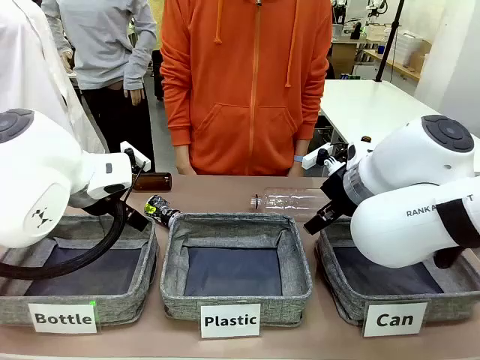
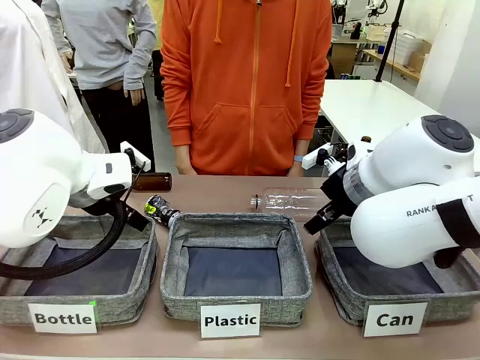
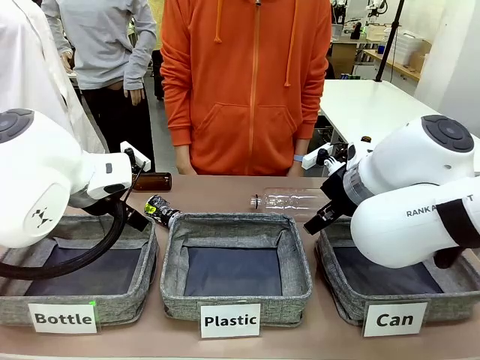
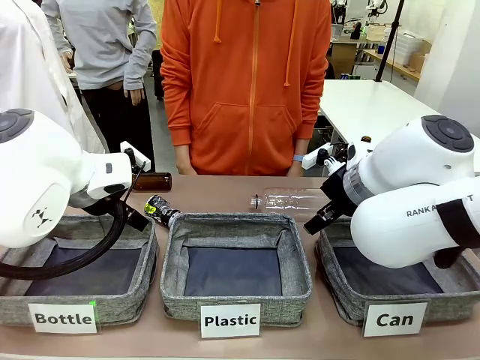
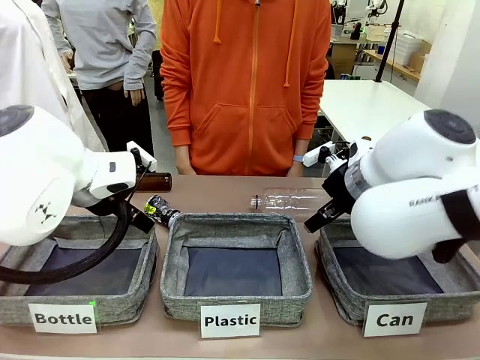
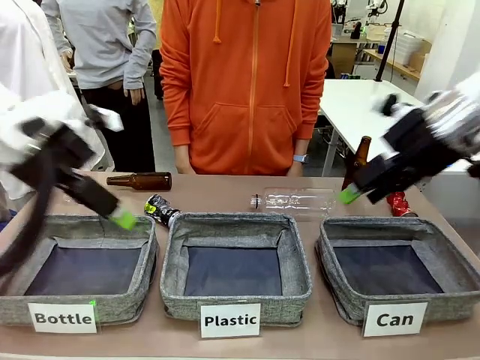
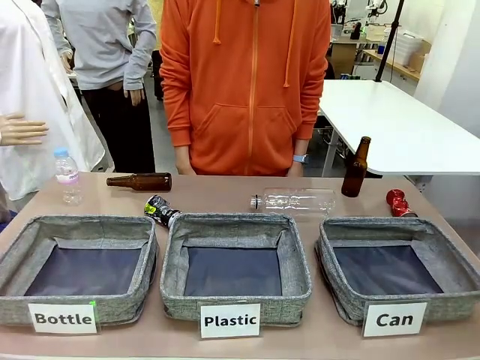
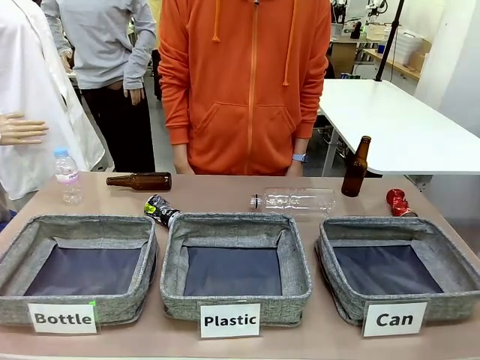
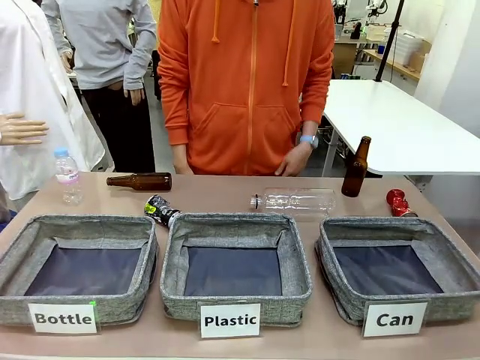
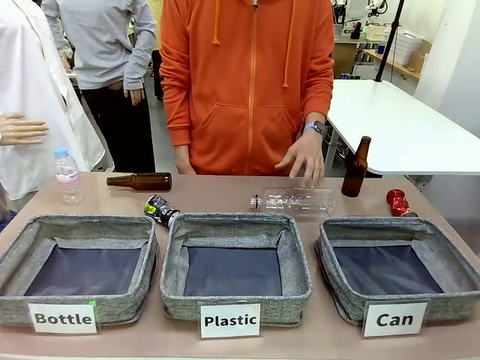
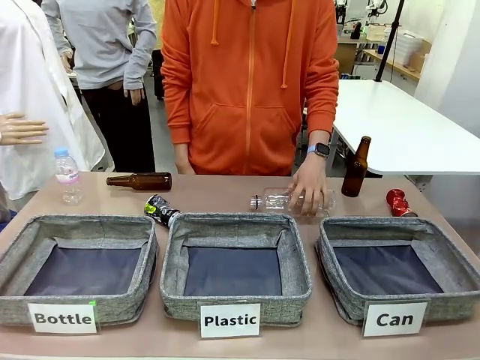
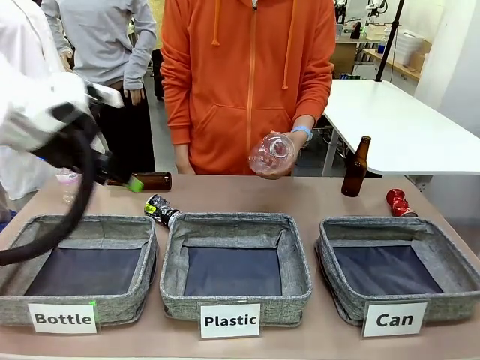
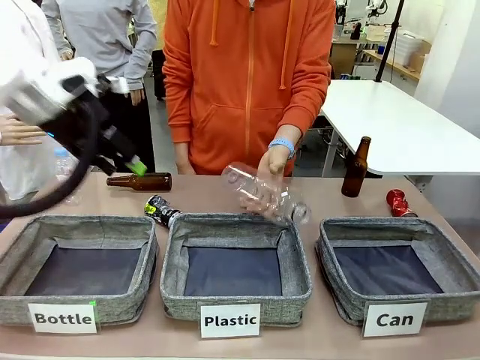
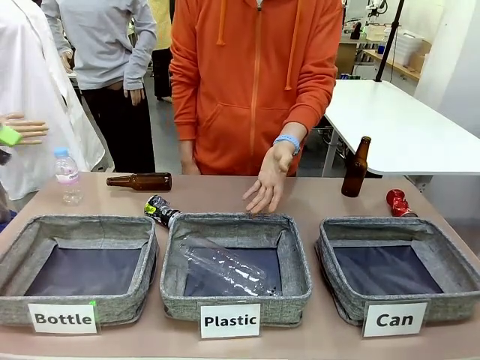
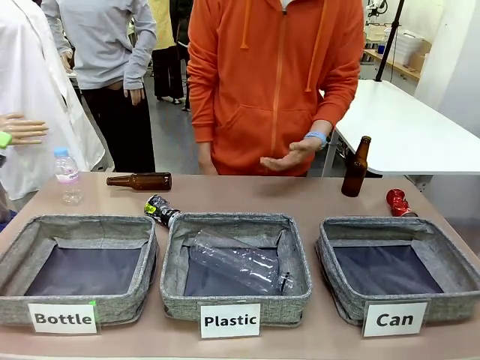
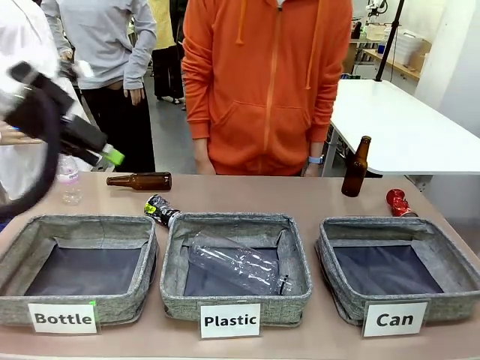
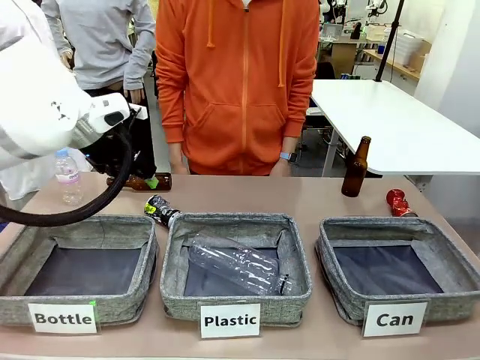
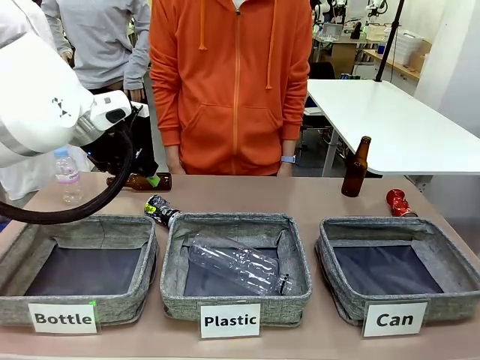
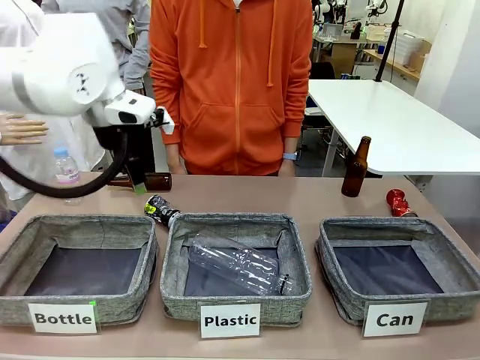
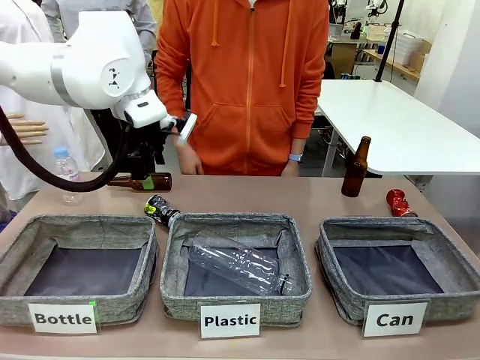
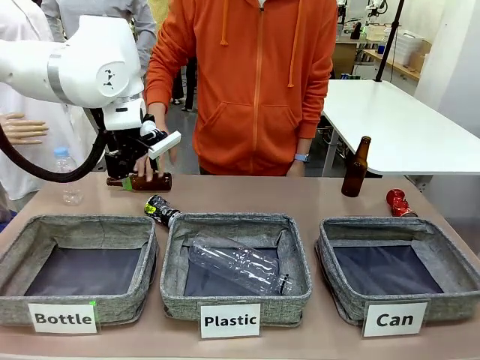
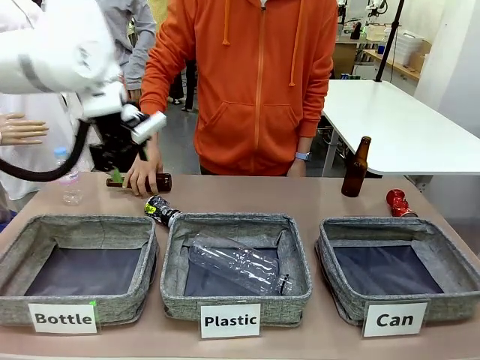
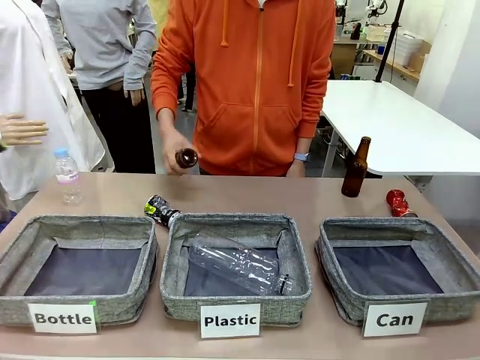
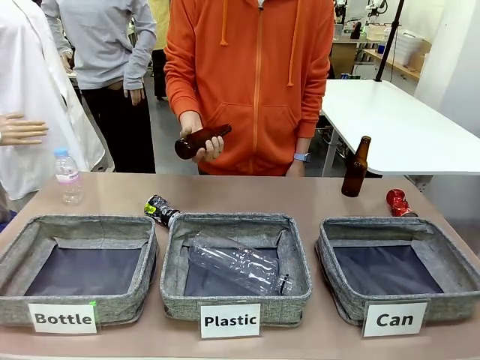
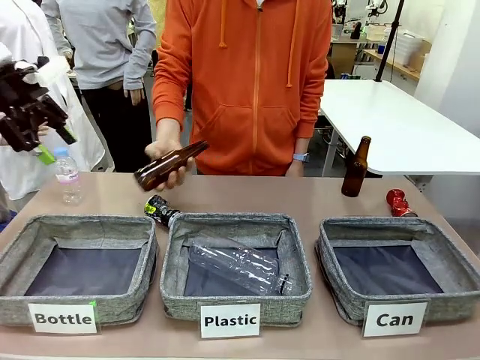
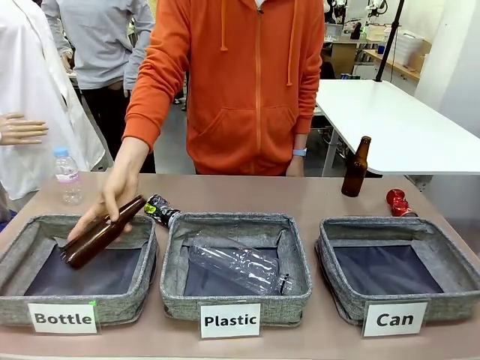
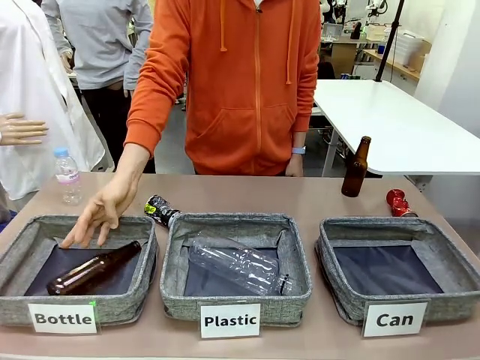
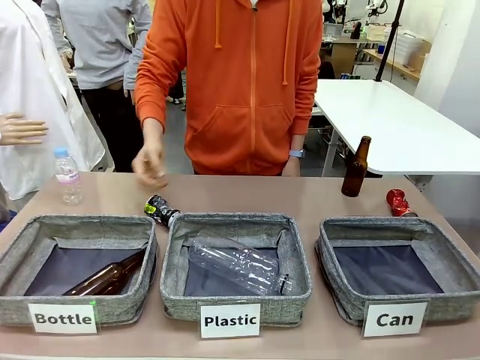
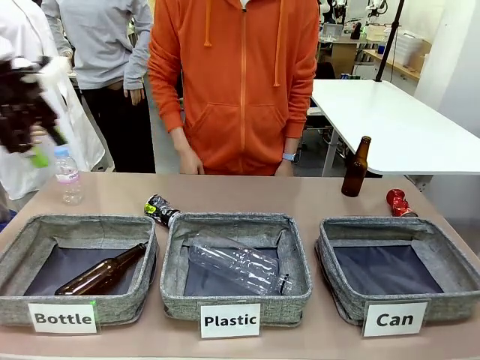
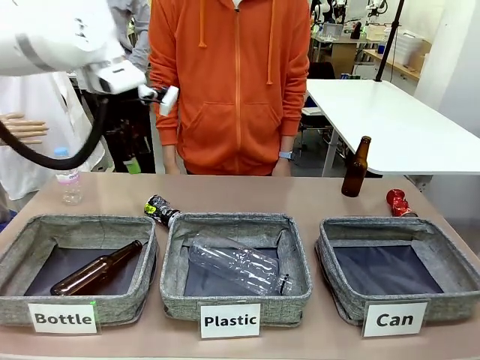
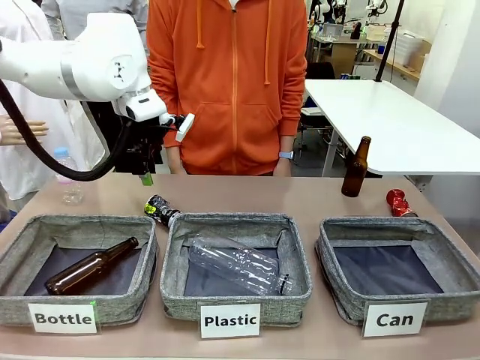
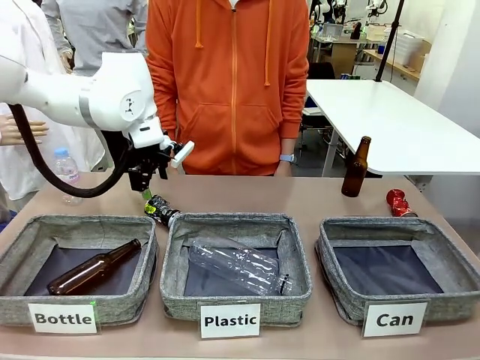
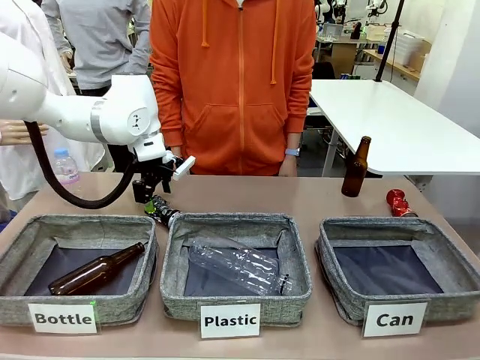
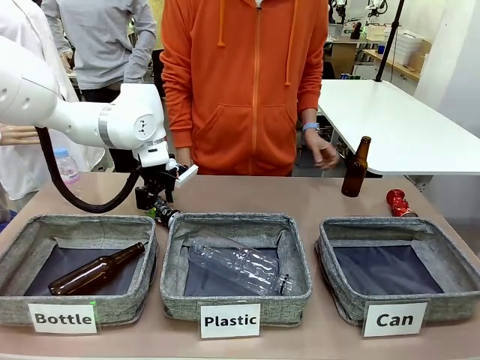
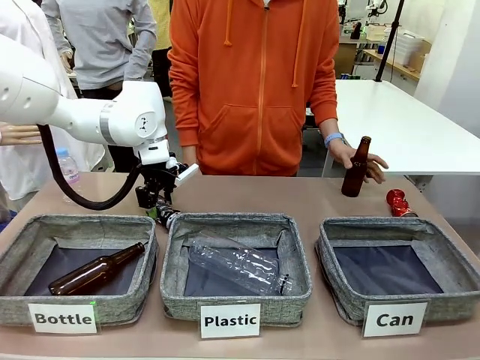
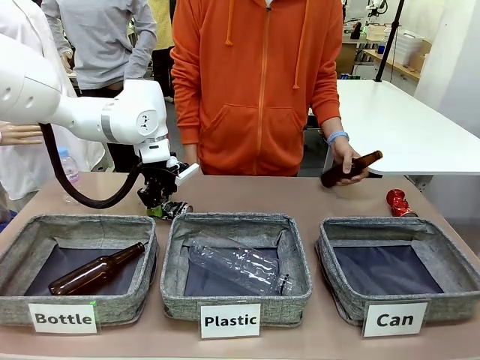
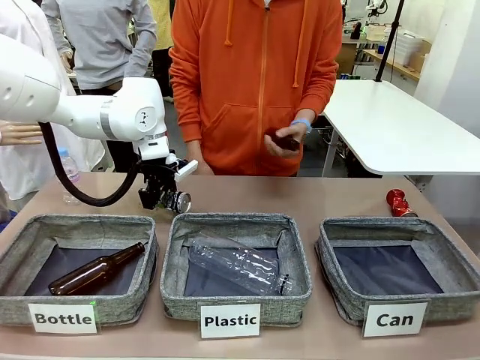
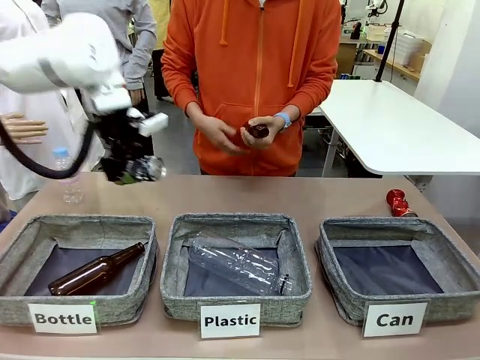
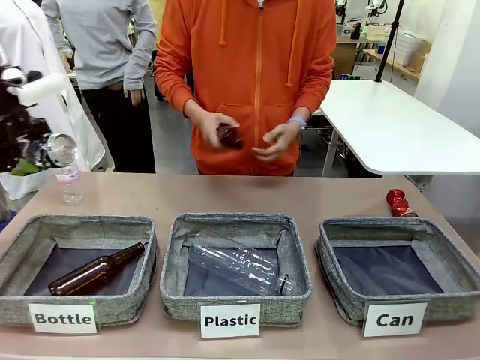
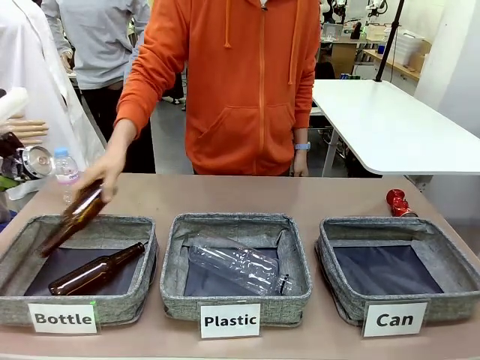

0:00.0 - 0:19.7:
Task: Sort the can waste into the basket.
Robot: Pick up the can waste from the table and place it in the right Fabric basket.

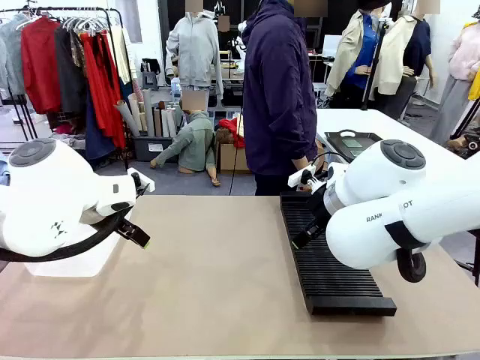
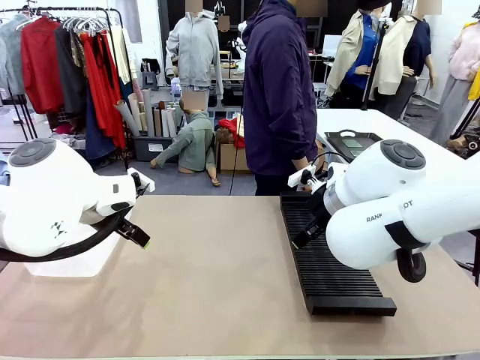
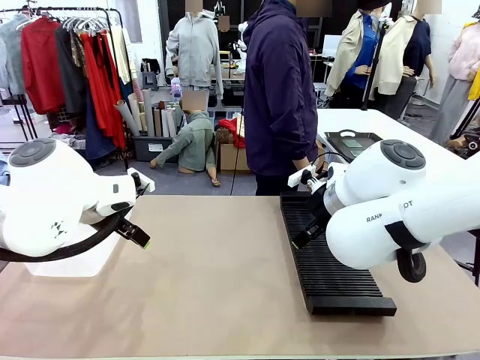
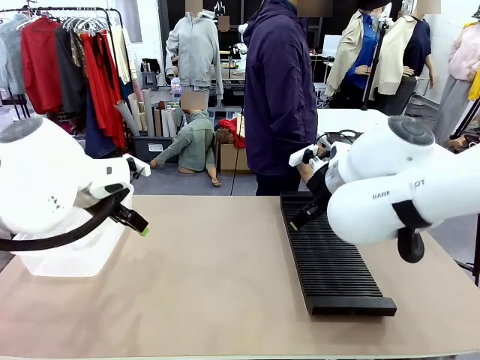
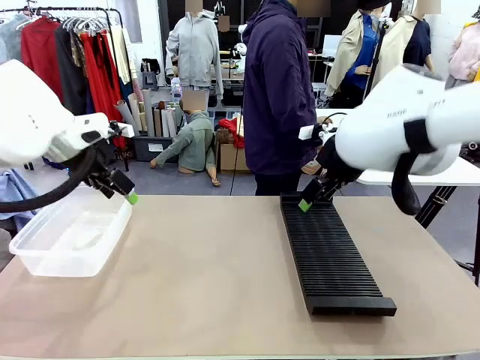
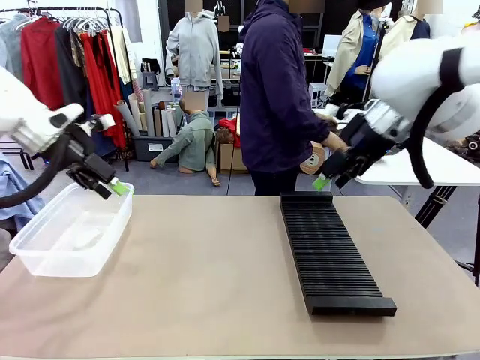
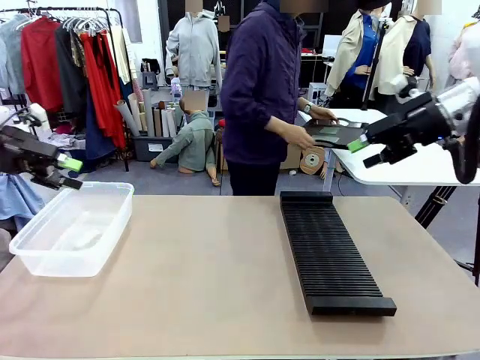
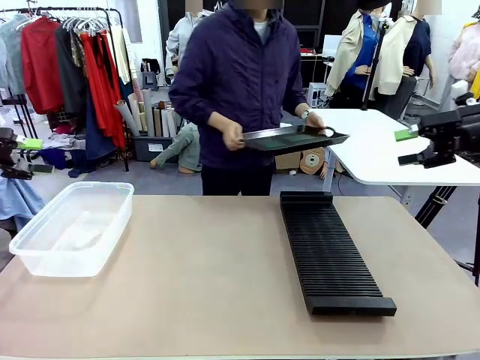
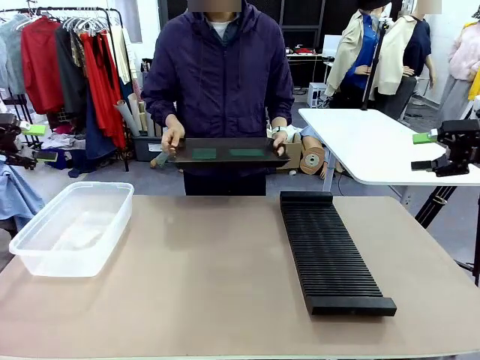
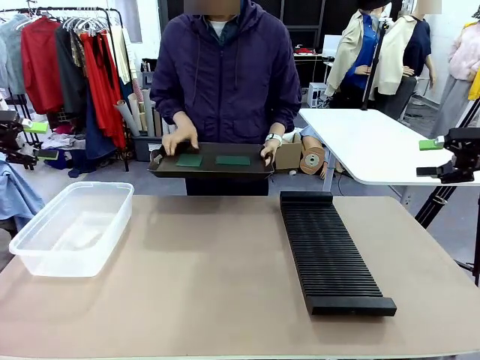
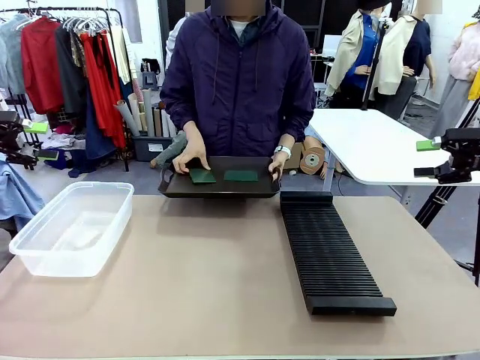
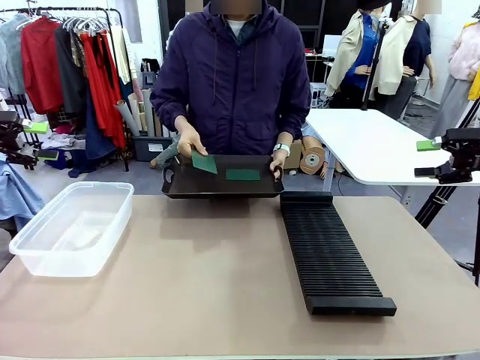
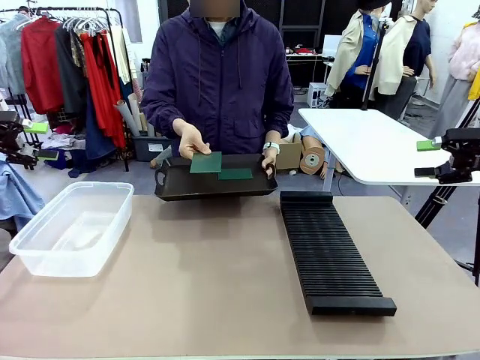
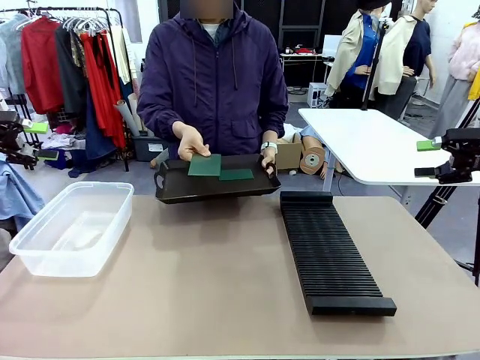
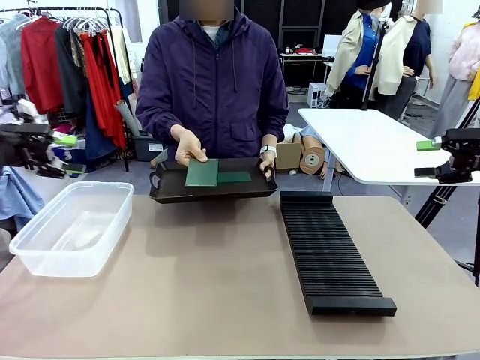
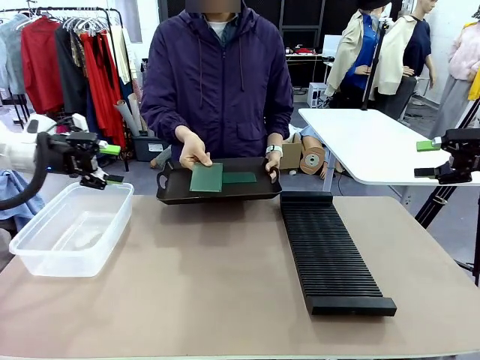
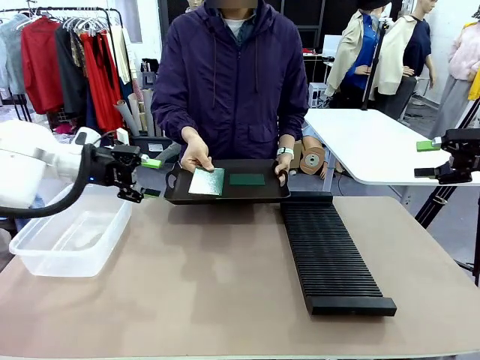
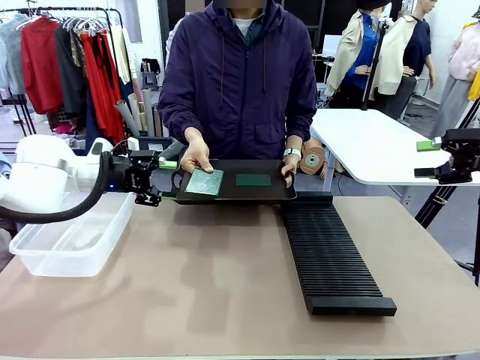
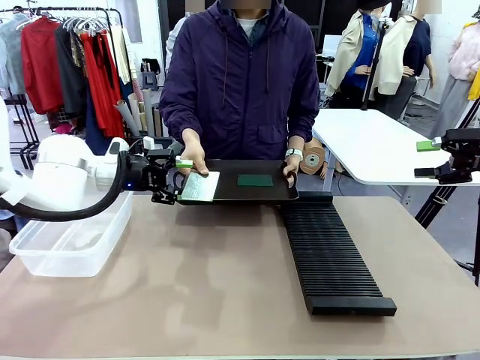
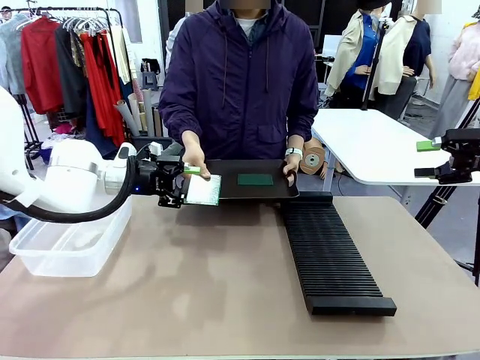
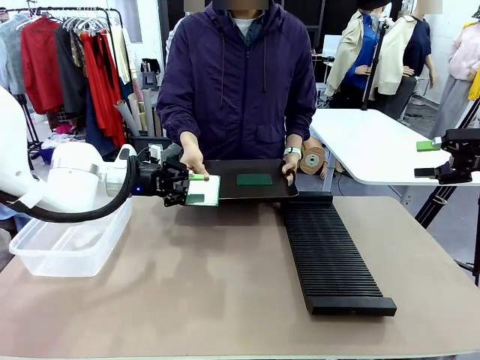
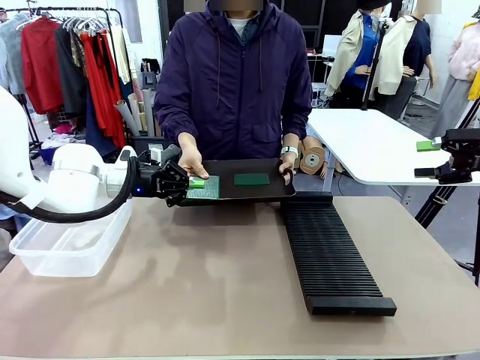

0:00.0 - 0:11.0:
Task: Sort PCBs into racks and boxes based on the side picked up.
Robot: Pick up the Blank PCB handed by the Human.
Person: Pick one PCB from the tray and present it to the robot. Release the PCB being held.
